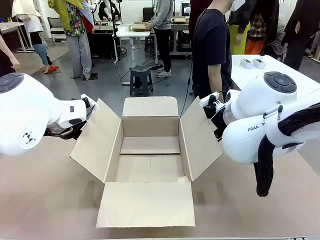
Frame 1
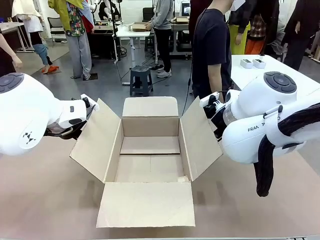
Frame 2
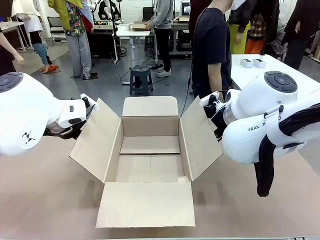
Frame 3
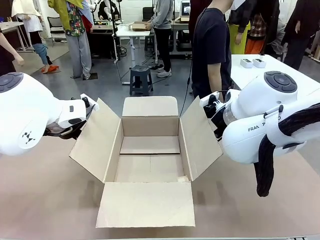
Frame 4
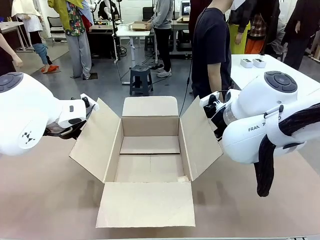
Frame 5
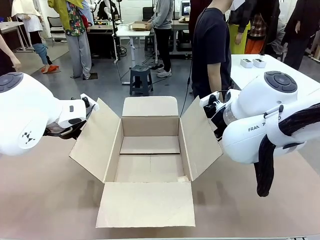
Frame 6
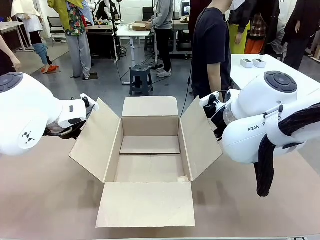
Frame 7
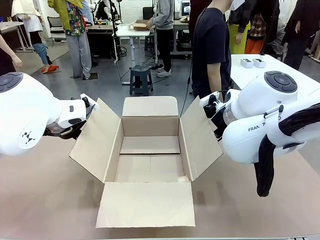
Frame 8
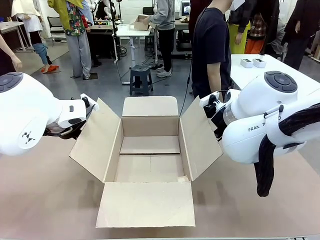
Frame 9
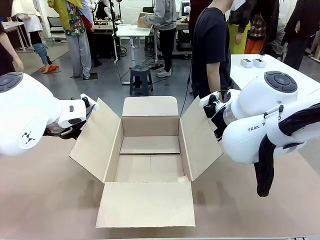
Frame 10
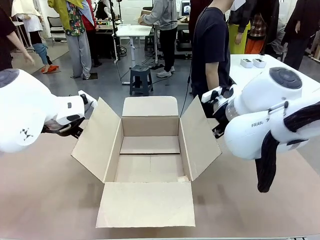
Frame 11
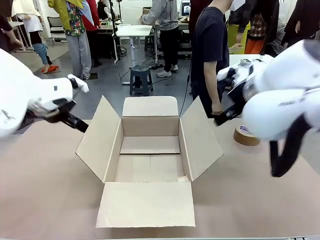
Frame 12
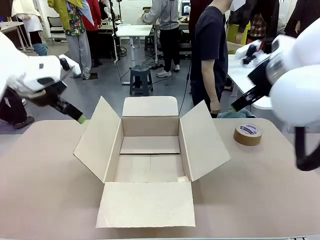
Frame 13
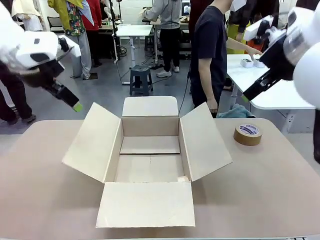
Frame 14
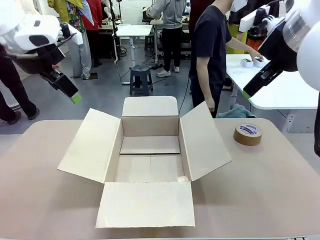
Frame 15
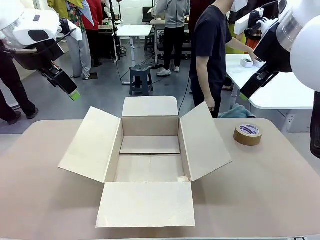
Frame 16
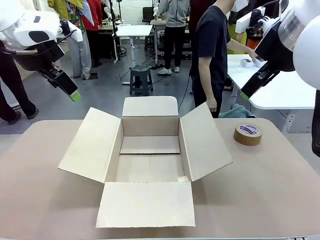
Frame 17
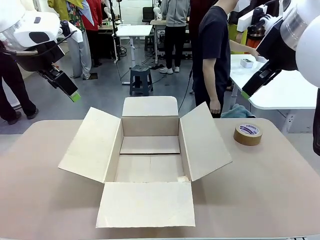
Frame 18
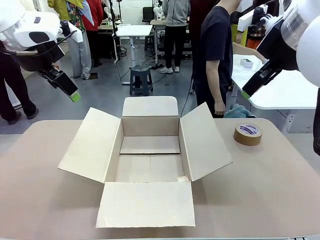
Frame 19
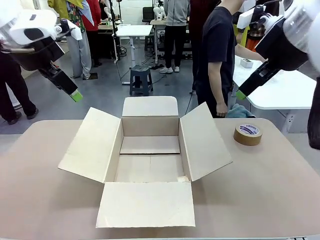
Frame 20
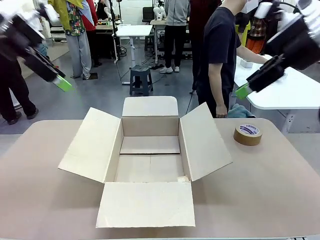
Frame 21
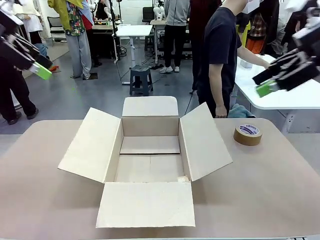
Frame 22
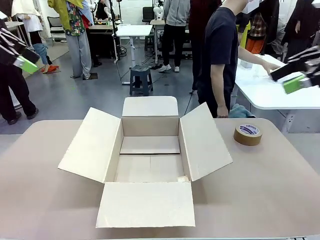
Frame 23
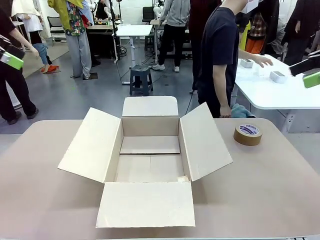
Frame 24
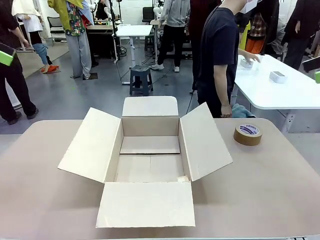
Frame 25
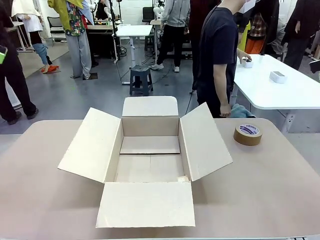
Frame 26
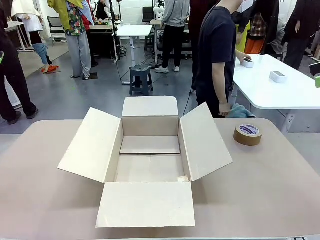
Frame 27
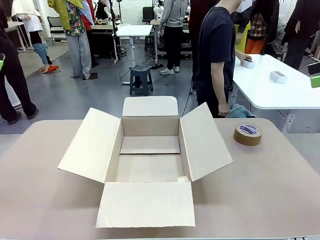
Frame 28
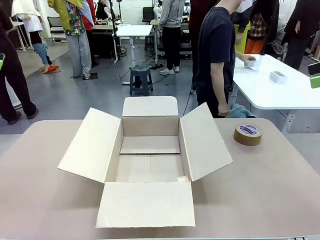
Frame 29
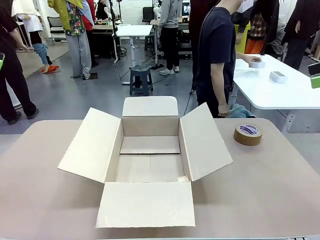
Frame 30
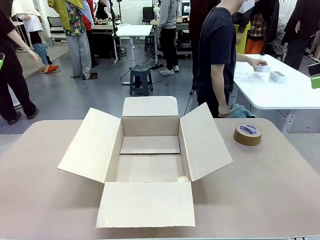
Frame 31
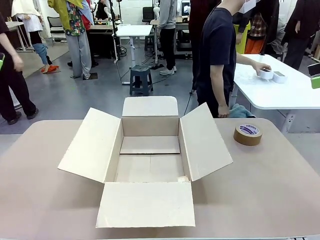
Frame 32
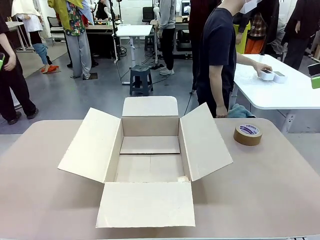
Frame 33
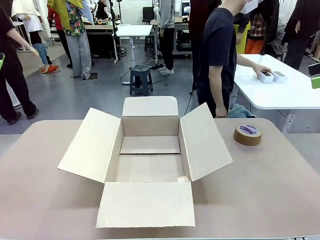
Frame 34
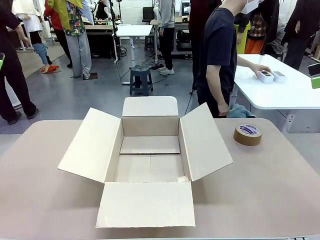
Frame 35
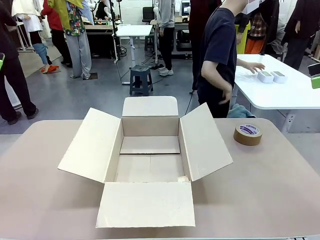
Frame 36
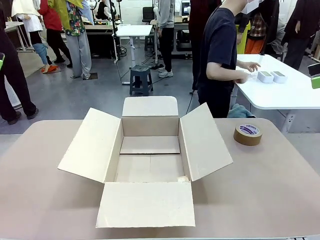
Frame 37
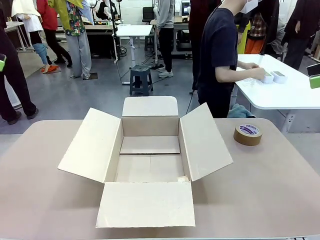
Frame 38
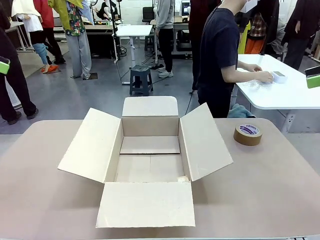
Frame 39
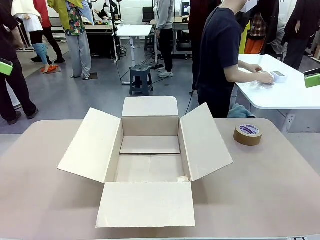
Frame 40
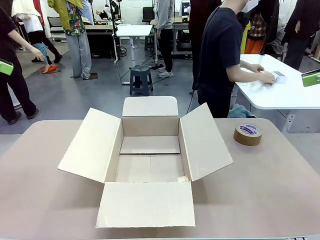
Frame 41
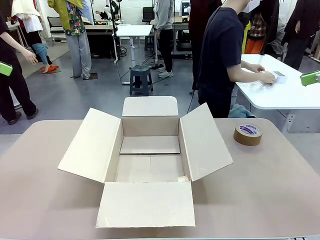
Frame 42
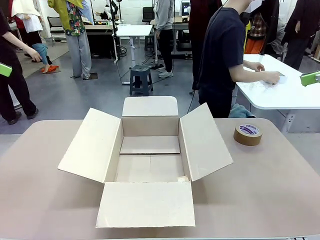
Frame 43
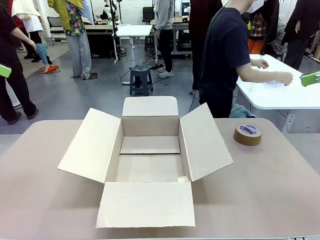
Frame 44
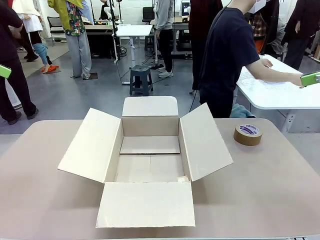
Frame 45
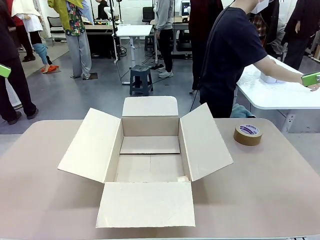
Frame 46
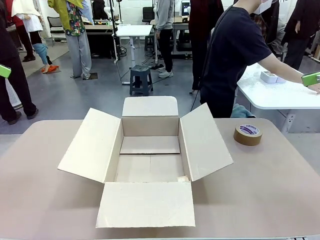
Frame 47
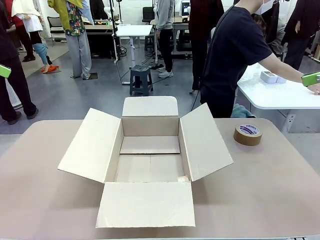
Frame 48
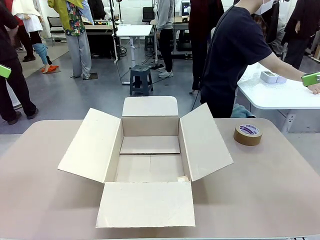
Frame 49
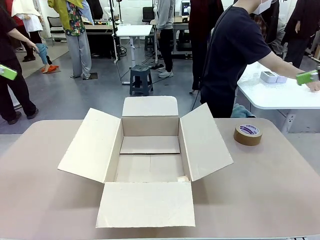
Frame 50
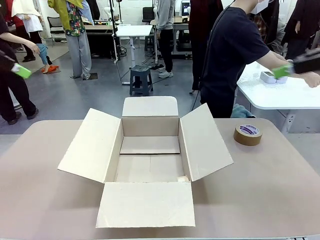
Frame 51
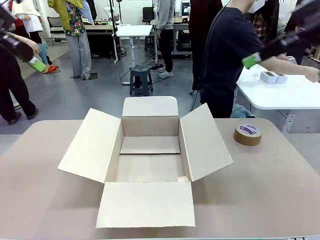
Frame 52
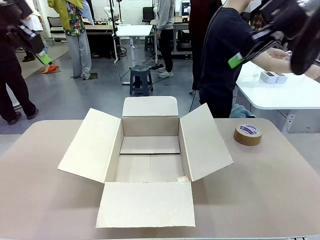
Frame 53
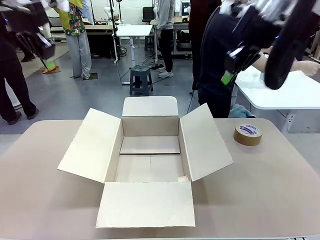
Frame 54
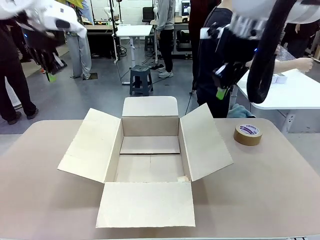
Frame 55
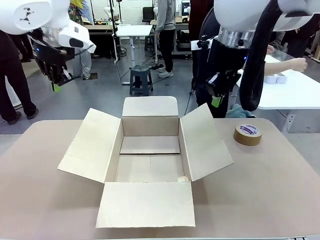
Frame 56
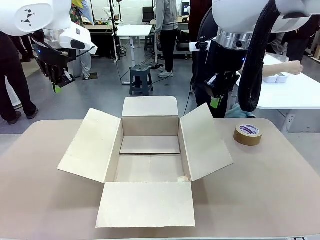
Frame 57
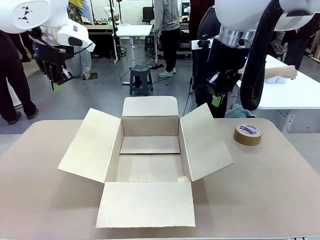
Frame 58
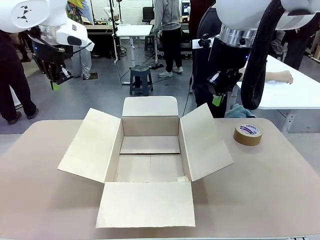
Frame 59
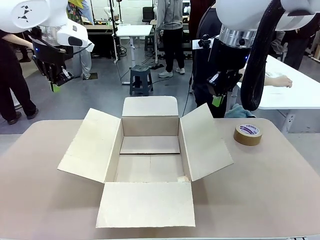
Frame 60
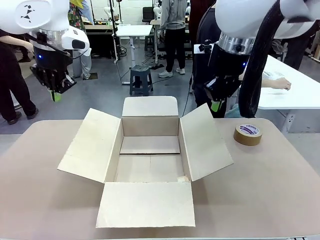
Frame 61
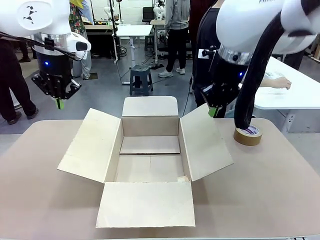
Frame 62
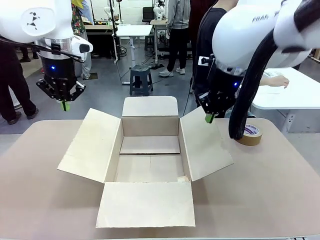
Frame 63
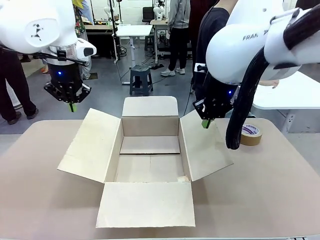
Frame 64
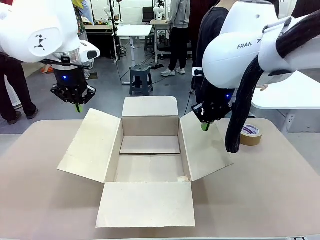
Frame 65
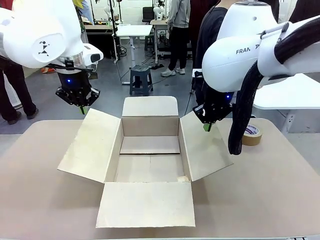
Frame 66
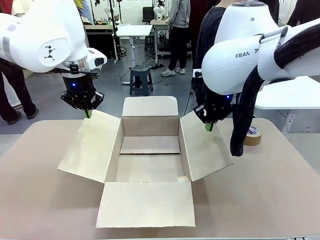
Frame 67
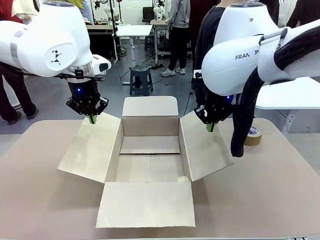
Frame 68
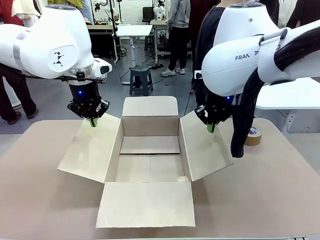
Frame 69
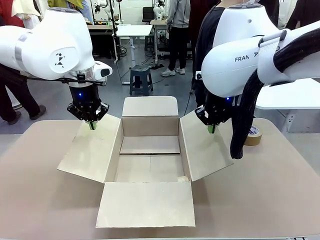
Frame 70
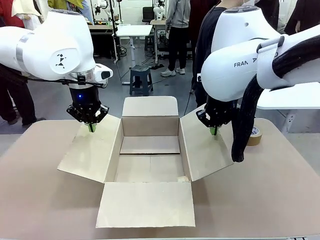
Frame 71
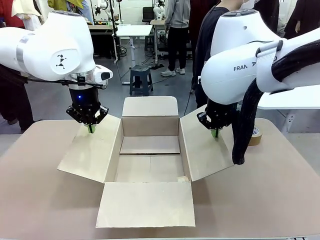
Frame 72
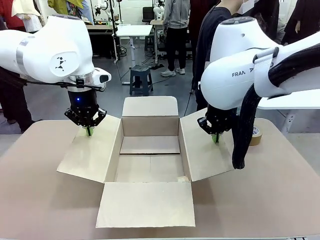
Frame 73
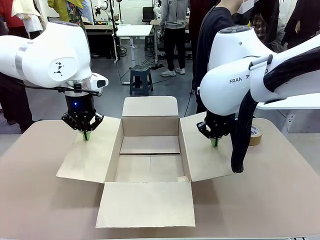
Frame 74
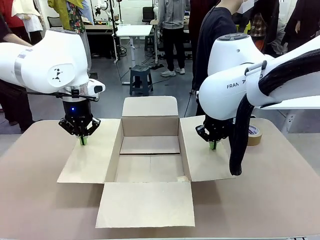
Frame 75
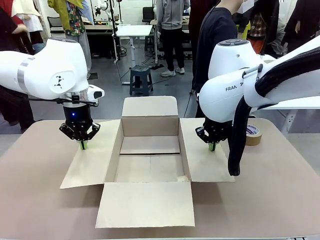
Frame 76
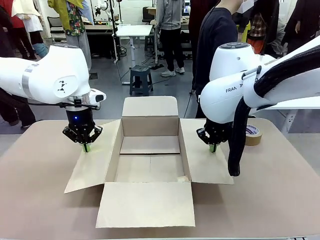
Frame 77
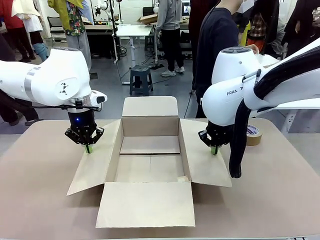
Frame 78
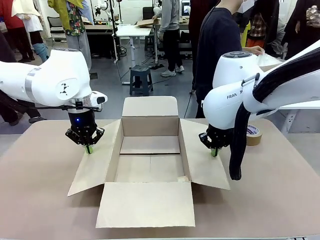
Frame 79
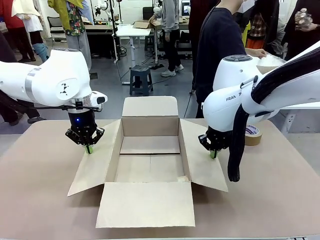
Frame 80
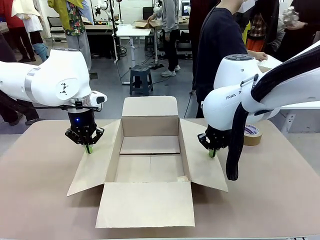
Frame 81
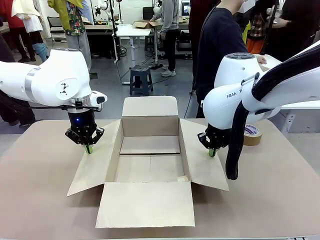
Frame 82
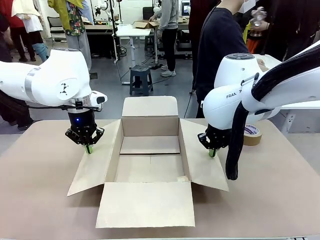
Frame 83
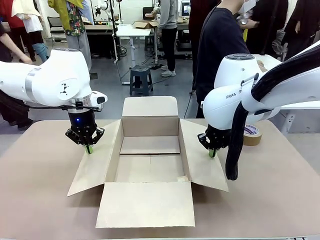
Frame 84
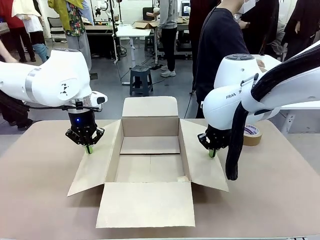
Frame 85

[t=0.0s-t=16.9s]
Task: Wrap the clocks to prevent damage.
Robot: Open the side flaps of the Package Box.
Person: Wrap the two Digital clocks with Bubble Wrap.
